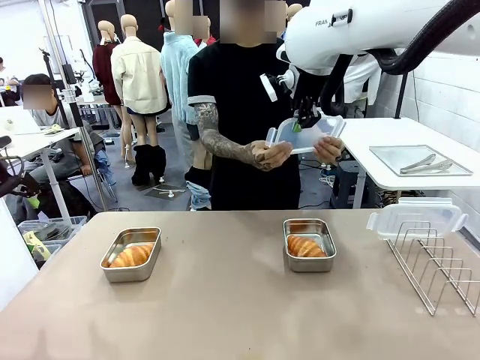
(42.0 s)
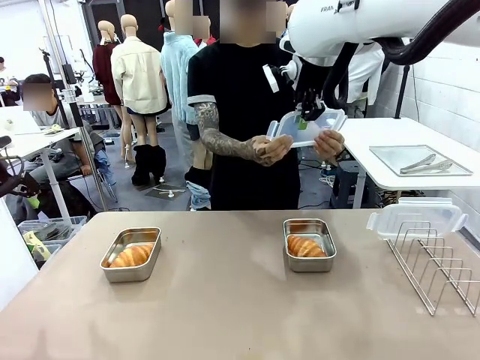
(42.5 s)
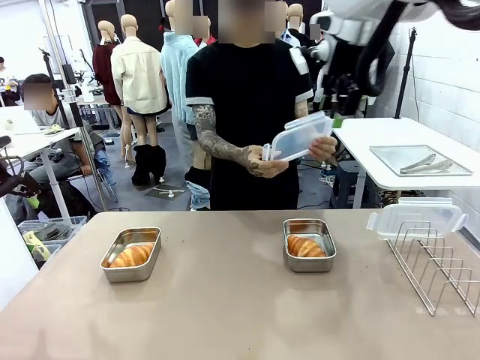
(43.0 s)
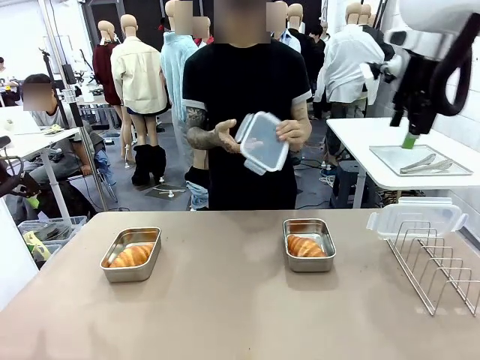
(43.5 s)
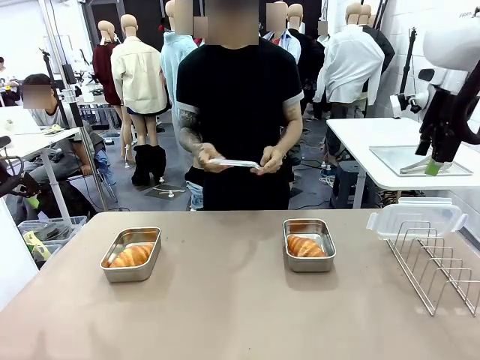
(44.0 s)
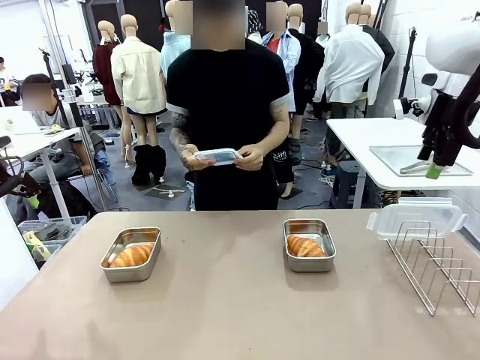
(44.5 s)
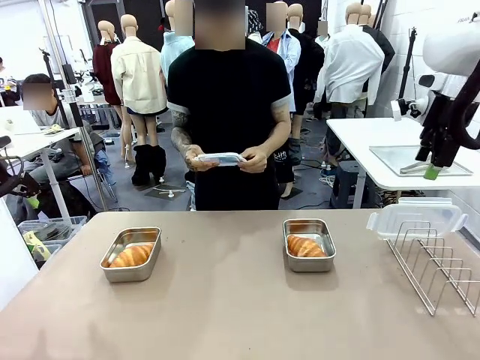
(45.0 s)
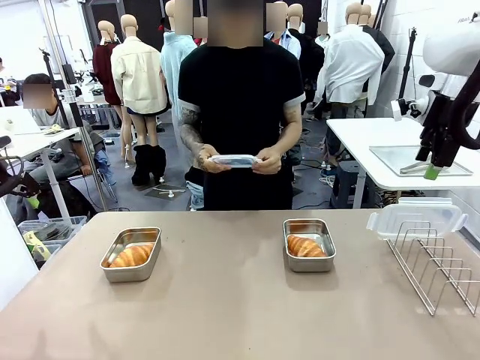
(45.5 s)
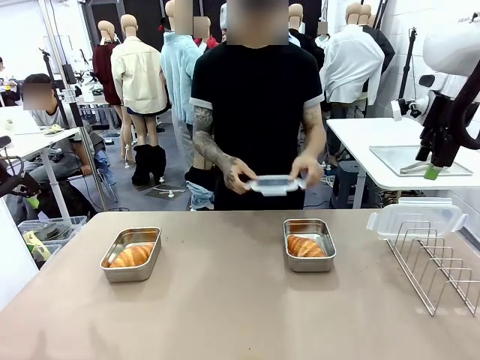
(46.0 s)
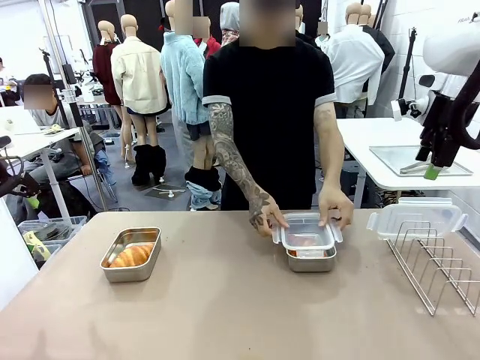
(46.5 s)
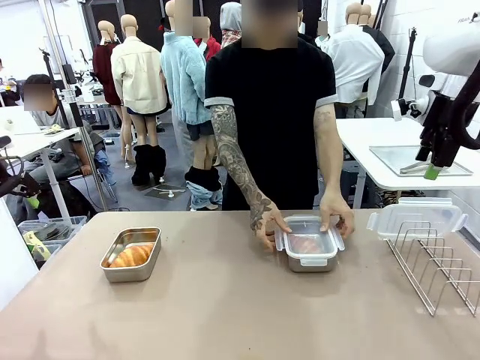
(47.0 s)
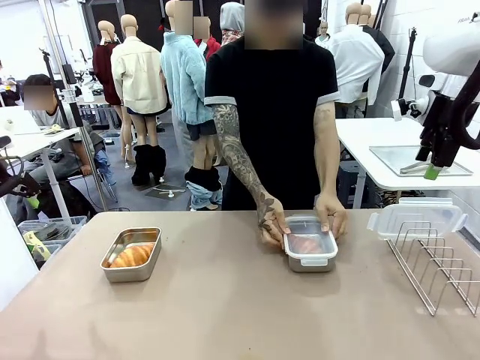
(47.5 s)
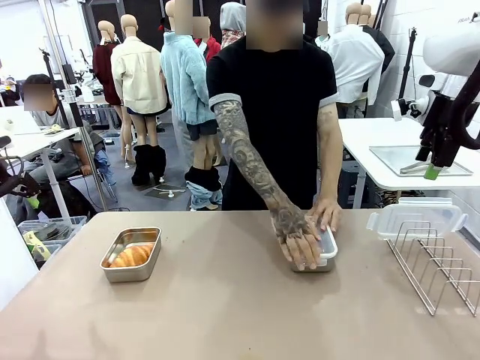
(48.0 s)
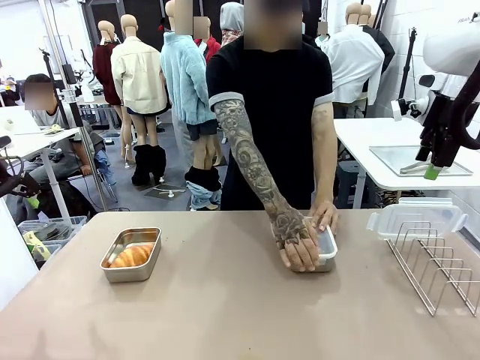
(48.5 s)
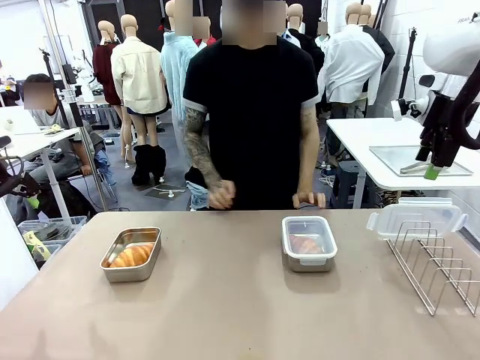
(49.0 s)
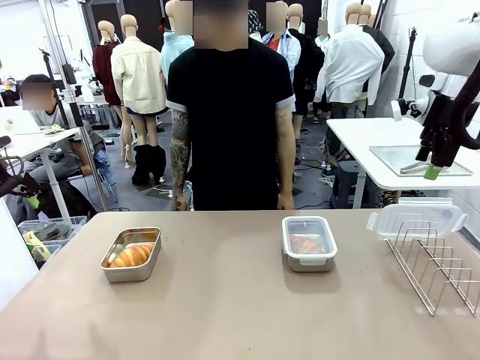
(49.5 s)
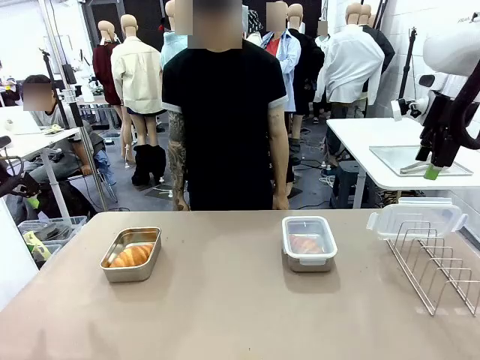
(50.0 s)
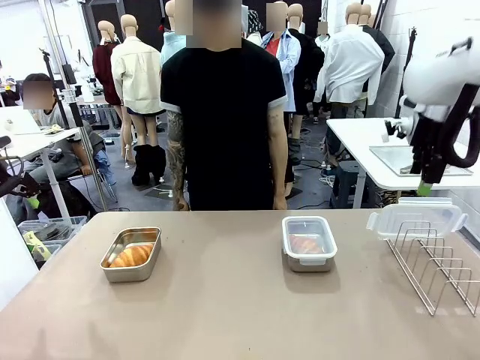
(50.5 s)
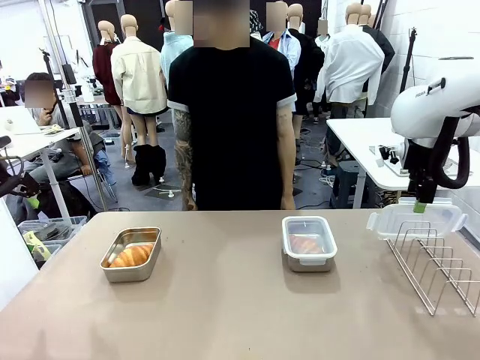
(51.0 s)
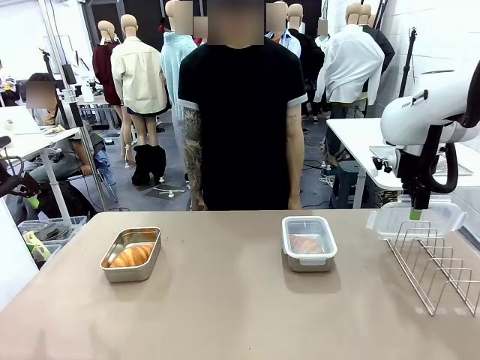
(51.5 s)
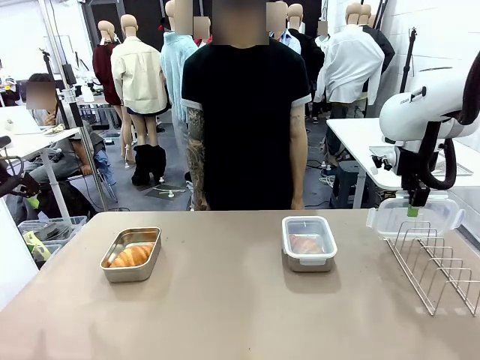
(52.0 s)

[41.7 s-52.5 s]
Task: Place the bread in airtight containers.
Robot: Pick up one Airtight Container lid and hand it to the human.
Person: Close Airtight Container with a handed Airtight Container lid.

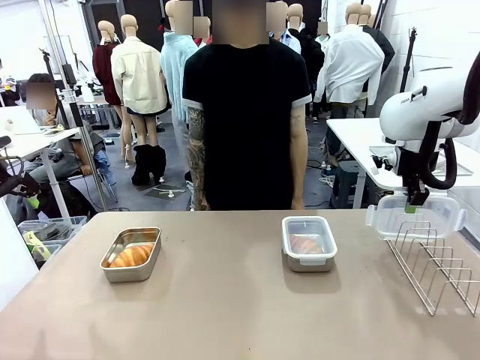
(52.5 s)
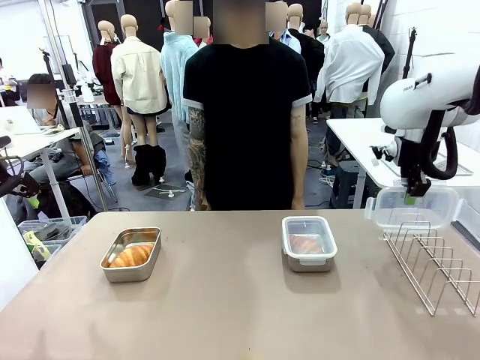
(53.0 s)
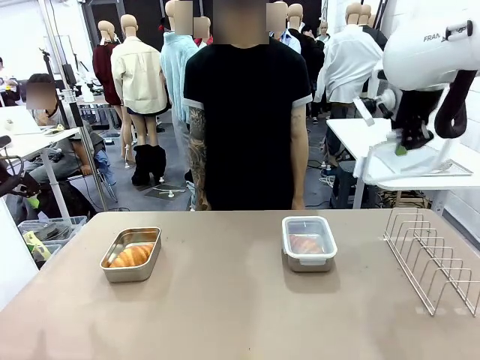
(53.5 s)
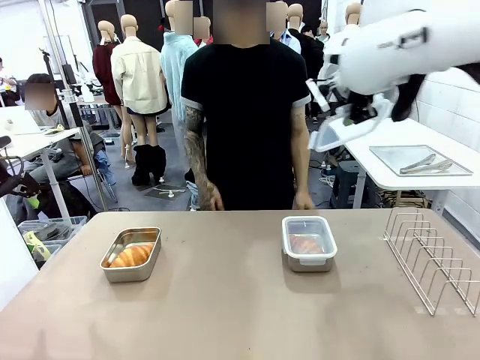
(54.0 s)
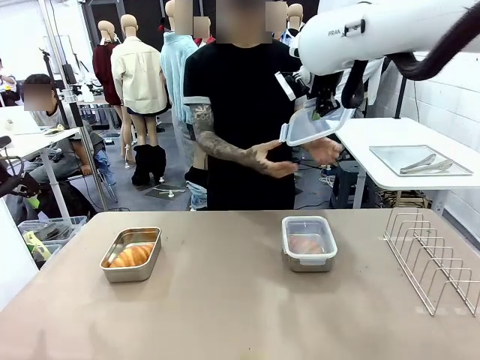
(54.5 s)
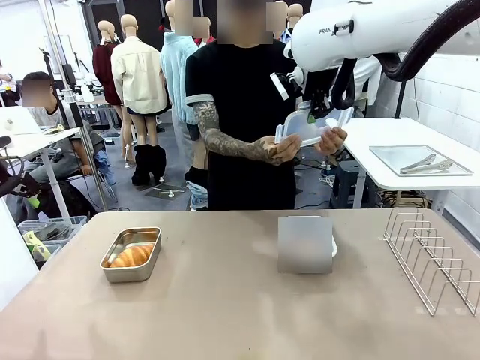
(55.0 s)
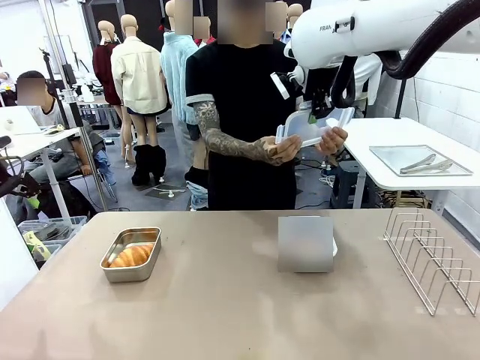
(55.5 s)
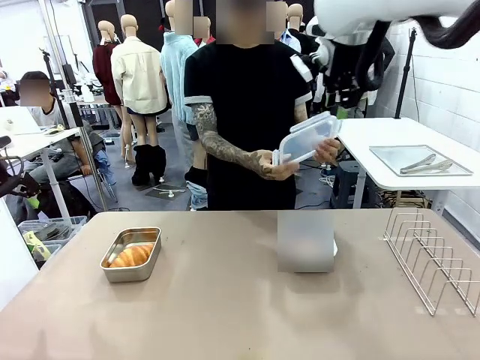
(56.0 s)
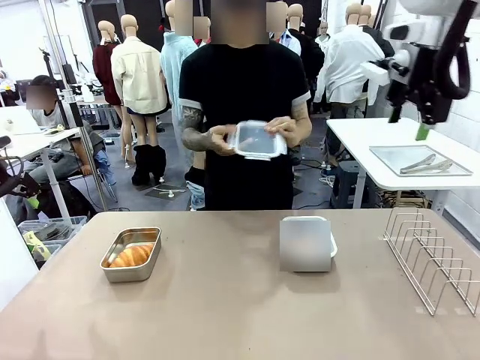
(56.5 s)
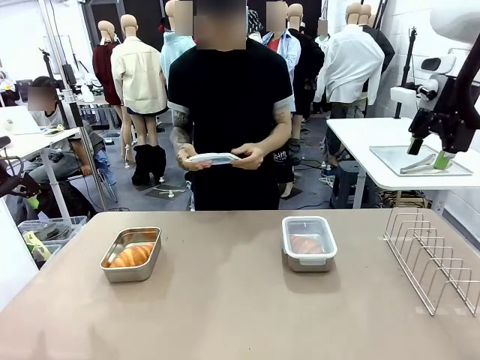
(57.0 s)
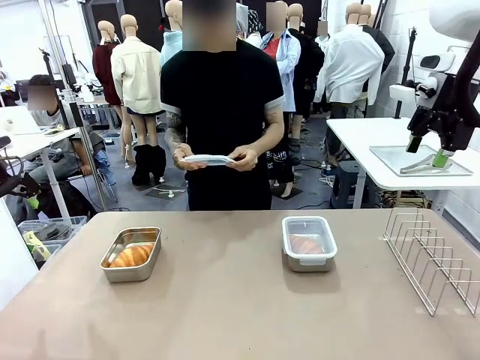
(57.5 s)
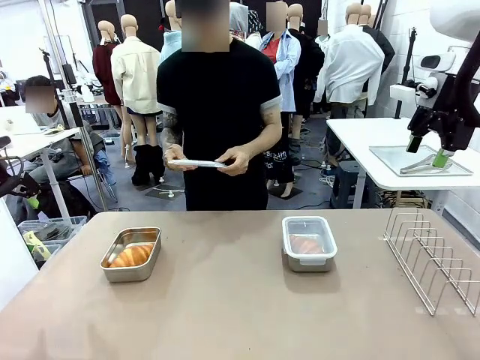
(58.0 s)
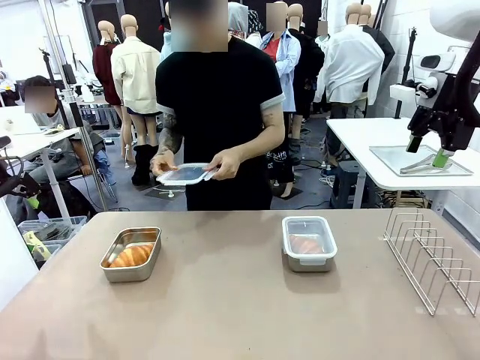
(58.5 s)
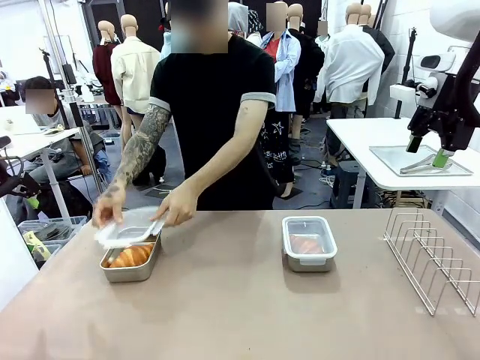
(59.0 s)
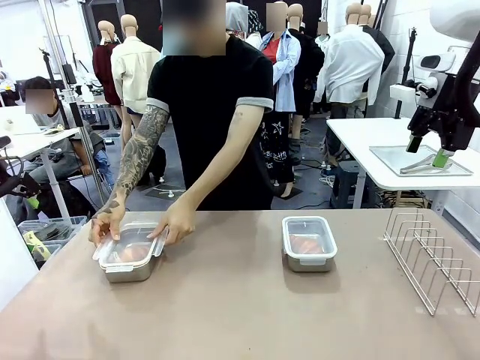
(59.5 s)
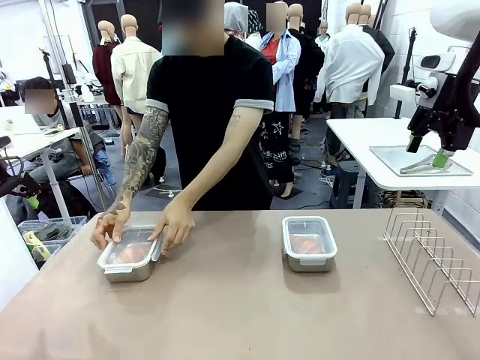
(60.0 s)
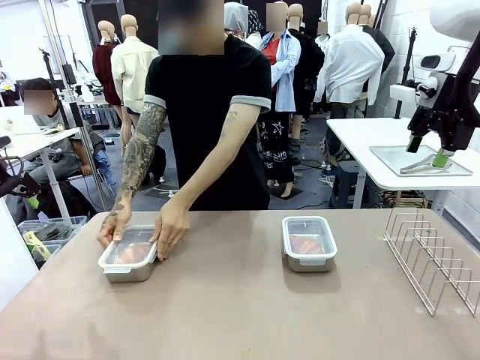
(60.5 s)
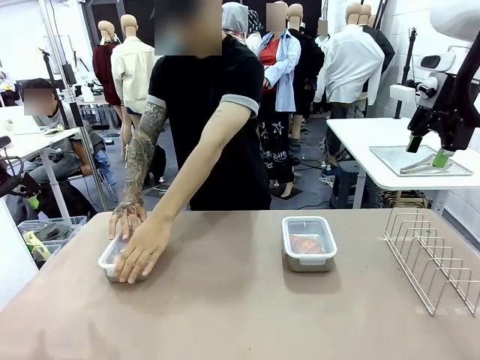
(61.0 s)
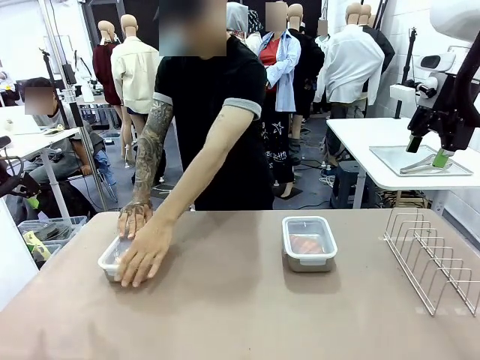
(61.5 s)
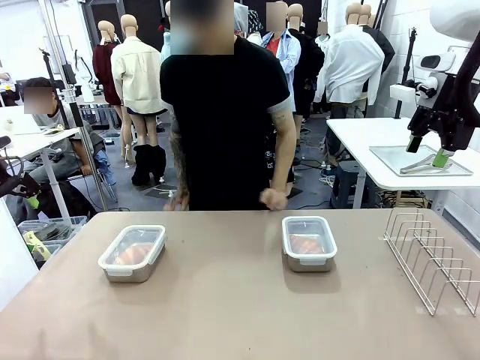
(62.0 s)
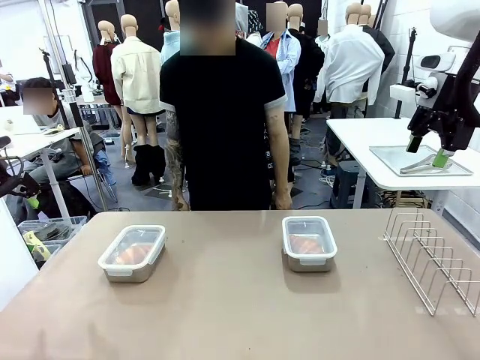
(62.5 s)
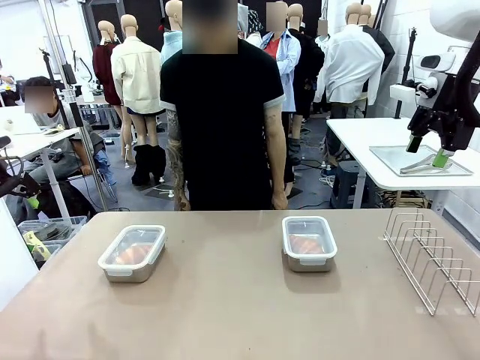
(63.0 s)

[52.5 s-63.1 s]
Robot: Release when the human grabs the Airtight Container lid.
Person: Grip Airtight Container lid that robot is handing. Close Airtight Container with a handed Airtight Container lid.
